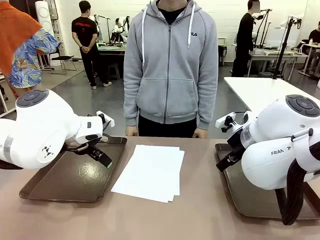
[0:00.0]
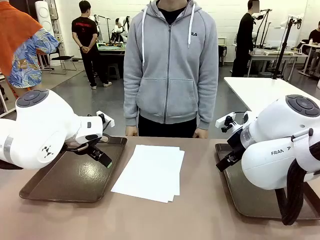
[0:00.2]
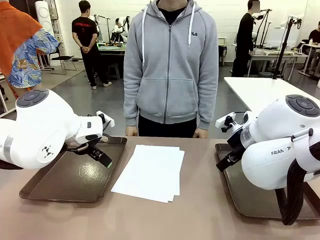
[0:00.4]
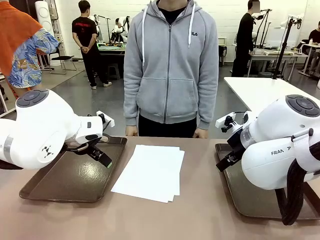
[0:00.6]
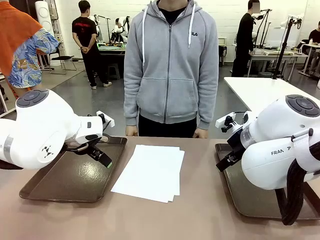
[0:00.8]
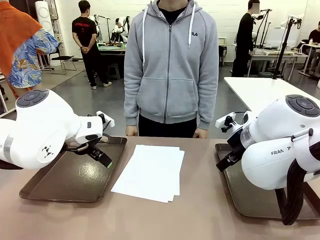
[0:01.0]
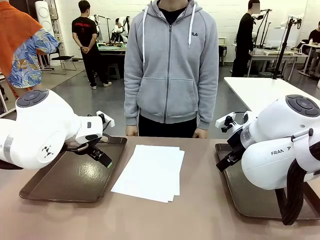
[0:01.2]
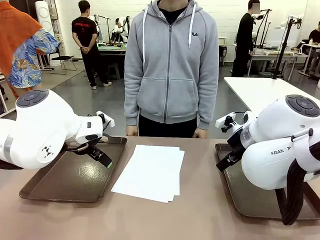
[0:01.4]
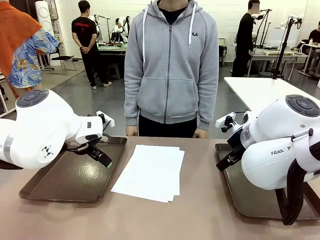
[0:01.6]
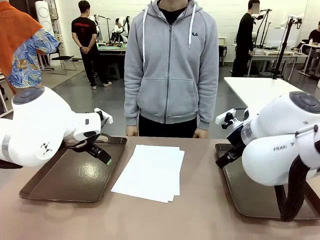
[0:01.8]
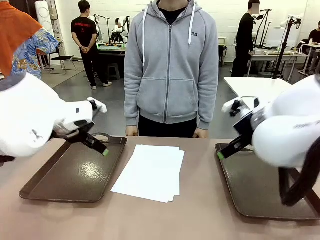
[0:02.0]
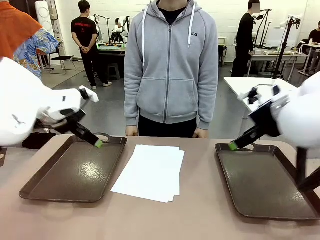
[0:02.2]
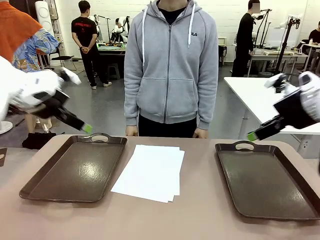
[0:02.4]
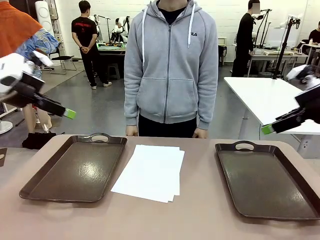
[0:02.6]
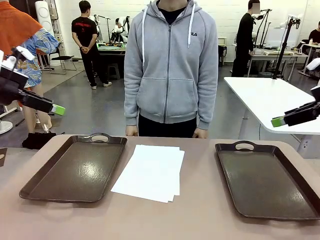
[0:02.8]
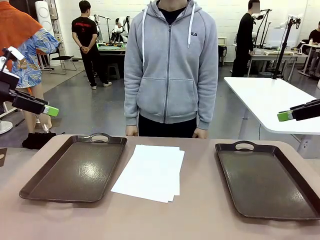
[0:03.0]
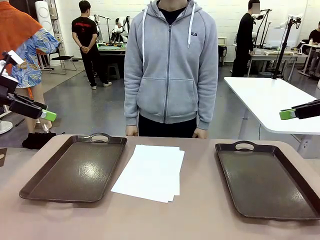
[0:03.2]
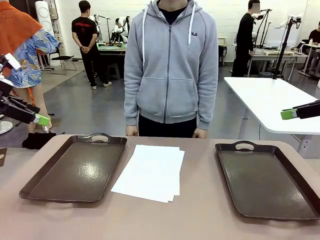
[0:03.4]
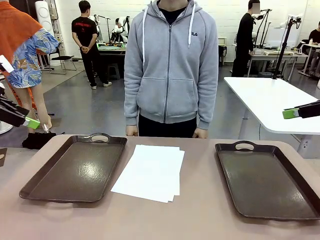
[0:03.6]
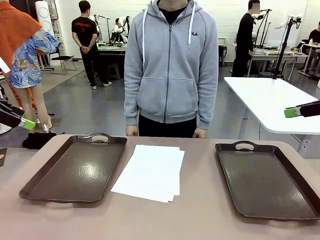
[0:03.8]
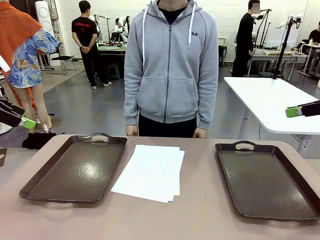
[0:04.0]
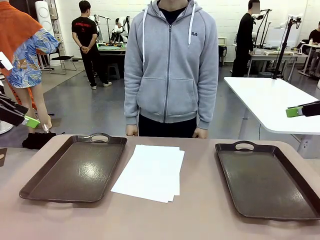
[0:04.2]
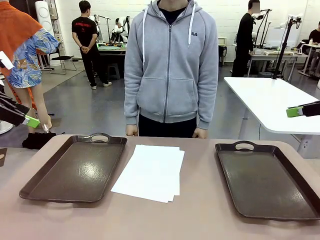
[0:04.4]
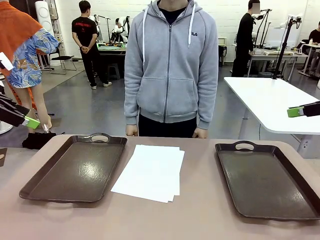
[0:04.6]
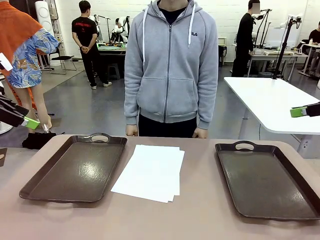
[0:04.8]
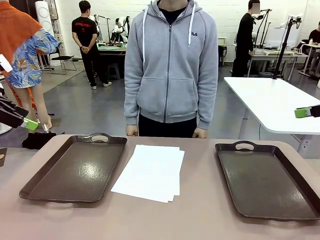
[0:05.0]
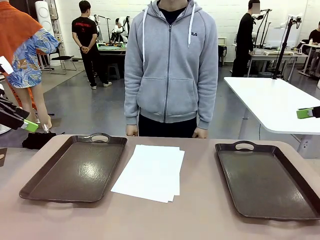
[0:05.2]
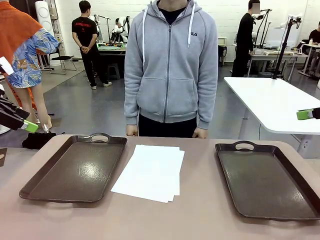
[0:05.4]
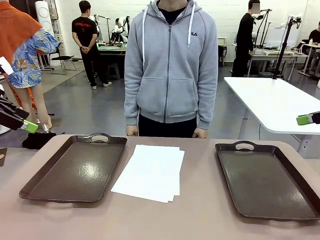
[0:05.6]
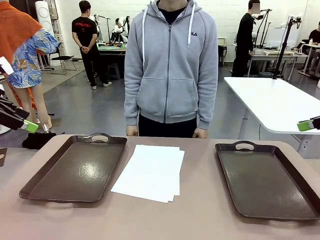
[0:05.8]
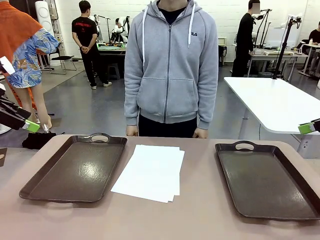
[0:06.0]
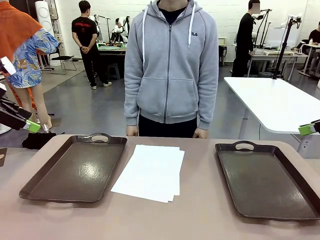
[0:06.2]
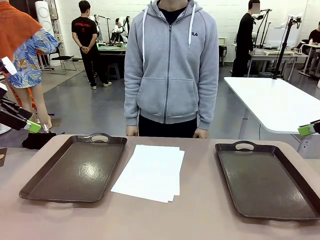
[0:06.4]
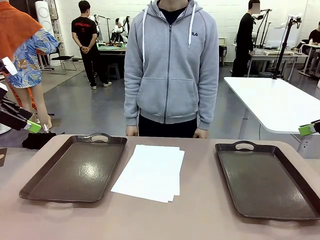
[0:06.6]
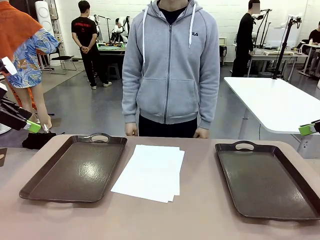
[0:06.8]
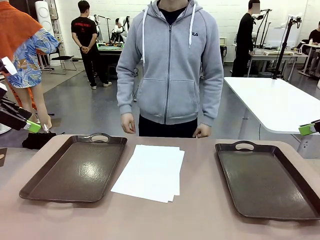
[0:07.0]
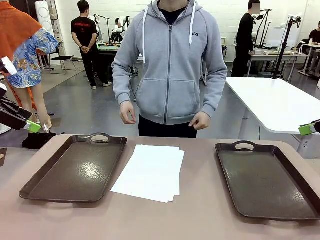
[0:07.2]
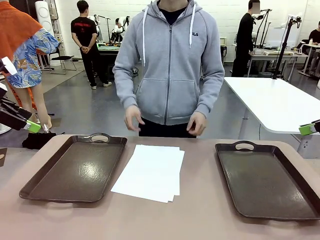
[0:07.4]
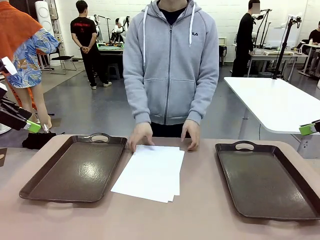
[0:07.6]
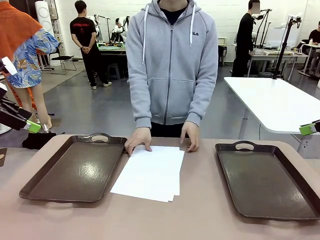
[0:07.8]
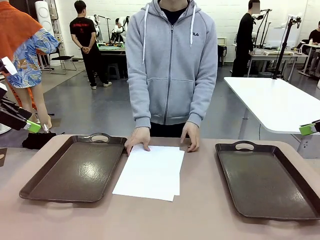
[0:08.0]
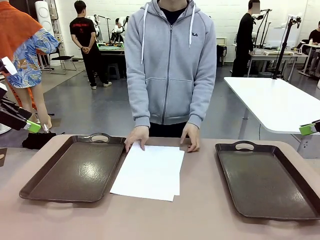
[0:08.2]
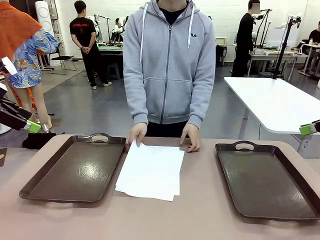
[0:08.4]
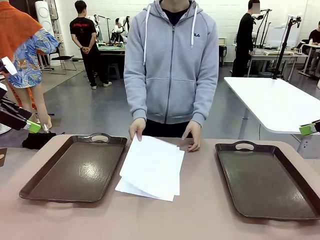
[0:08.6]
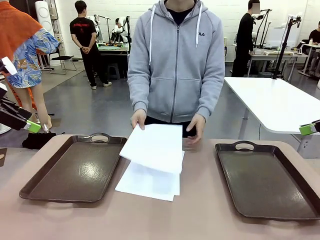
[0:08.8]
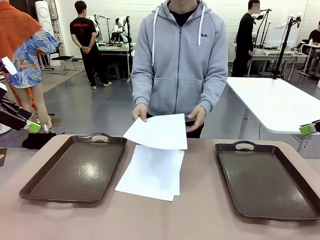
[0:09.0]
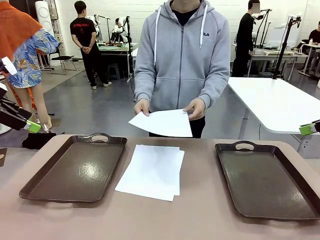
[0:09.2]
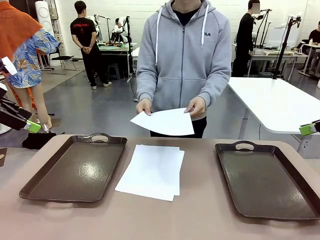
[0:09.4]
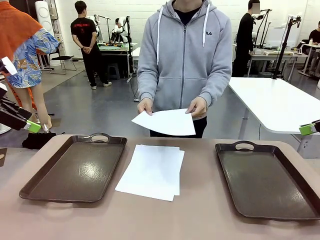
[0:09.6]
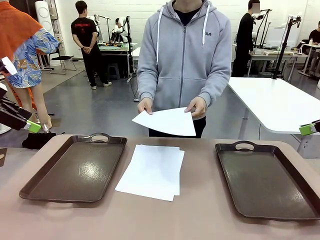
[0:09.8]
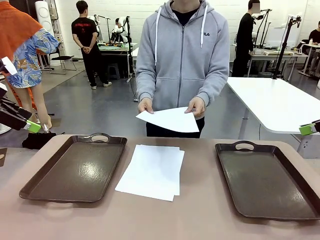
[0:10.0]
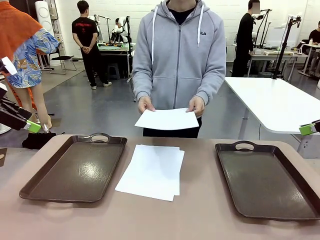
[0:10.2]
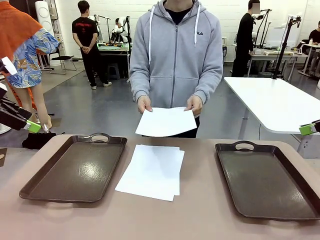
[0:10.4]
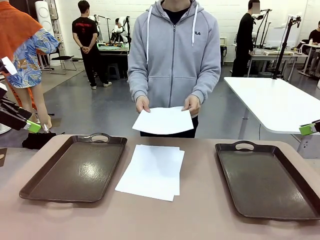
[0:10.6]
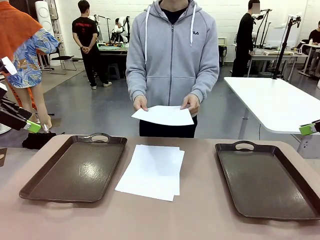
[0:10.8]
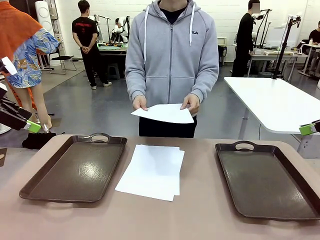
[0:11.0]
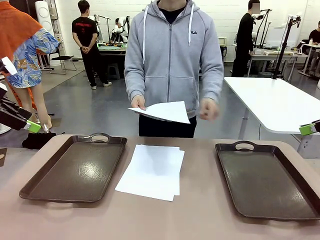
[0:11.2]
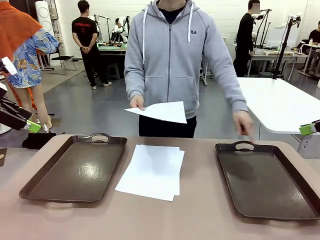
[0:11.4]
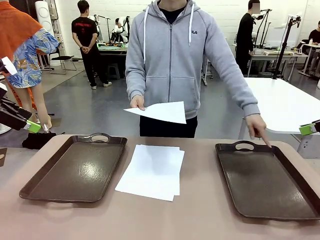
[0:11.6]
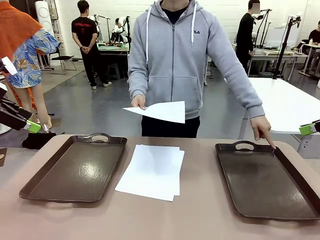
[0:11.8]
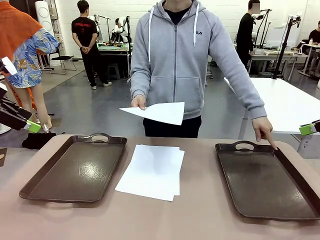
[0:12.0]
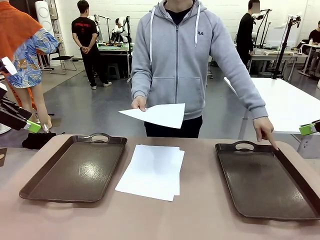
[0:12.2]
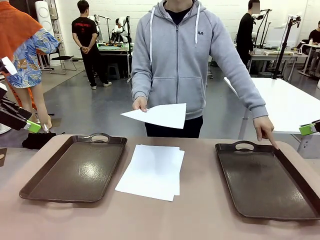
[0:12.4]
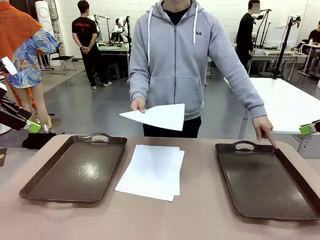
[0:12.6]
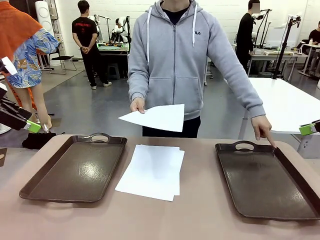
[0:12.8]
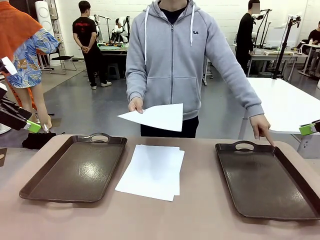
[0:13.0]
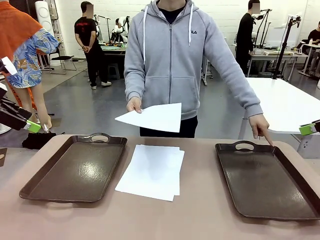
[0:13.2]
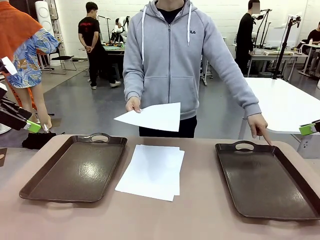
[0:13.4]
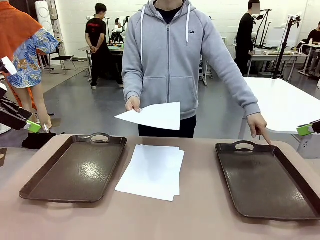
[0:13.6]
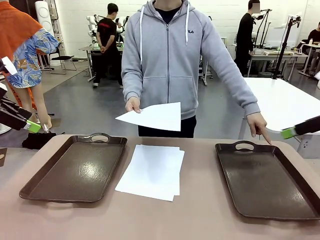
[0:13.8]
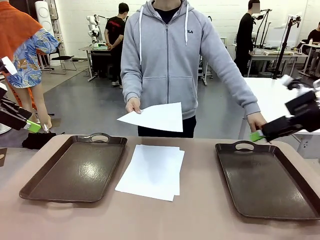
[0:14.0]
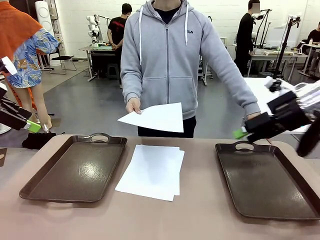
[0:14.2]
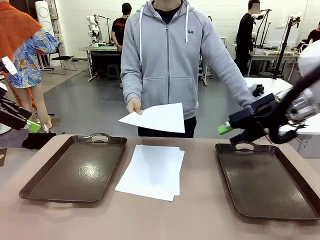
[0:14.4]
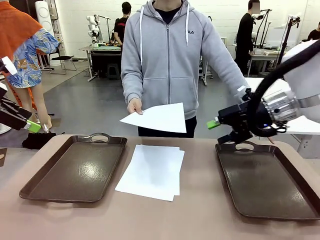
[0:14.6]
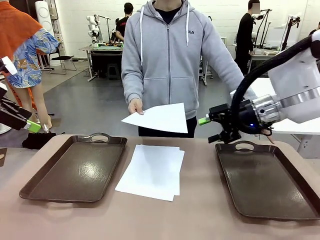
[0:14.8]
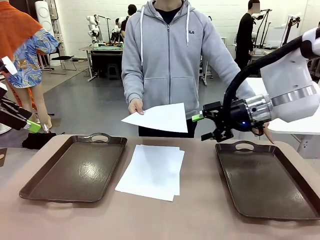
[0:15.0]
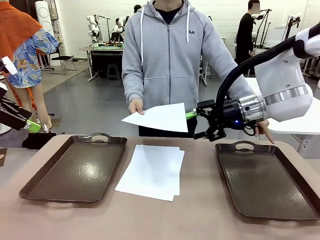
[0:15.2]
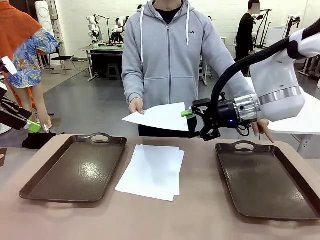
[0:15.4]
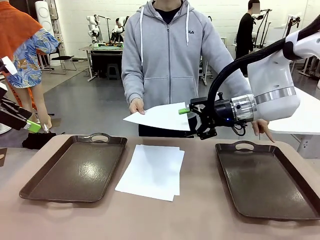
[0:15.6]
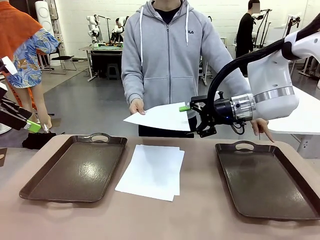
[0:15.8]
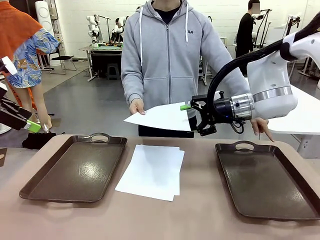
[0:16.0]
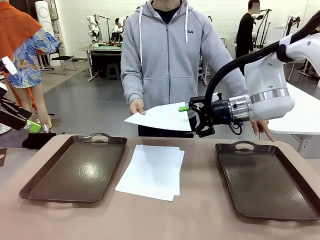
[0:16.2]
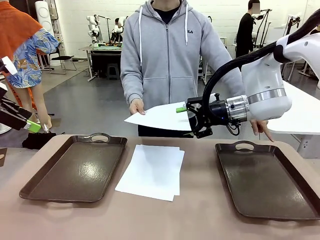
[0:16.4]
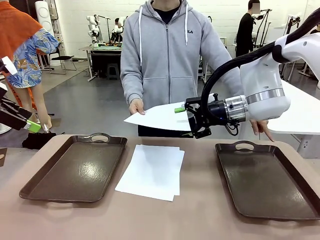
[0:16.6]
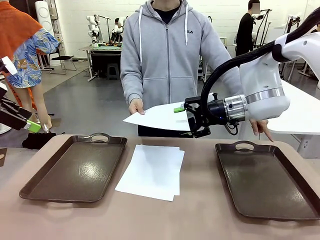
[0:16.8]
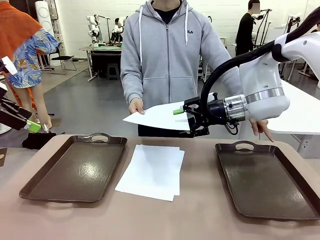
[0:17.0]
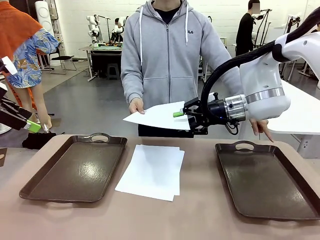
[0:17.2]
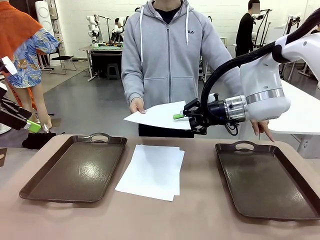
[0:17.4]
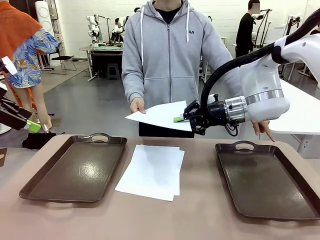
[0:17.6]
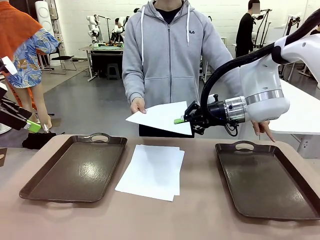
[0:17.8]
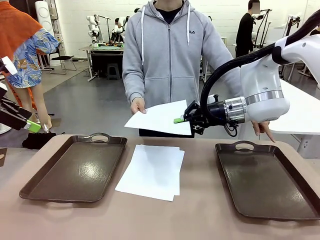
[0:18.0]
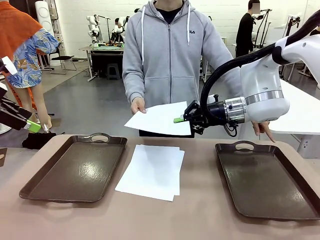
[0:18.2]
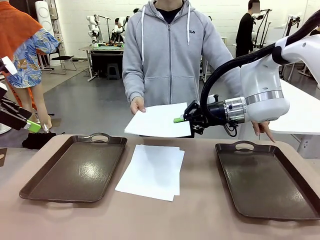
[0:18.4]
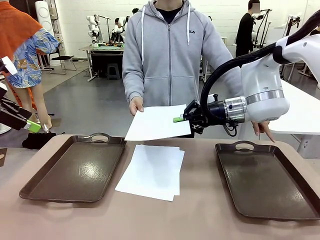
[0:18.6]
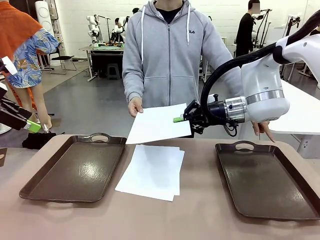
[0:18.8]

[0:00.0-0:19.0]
Task: Sort the A4 documents.
Robot: Receive the A4 Paper.
Person: Pick up a sheet of paper from the center of the table and hand it to the robot. Point the randomly selected tray with the other hand.
